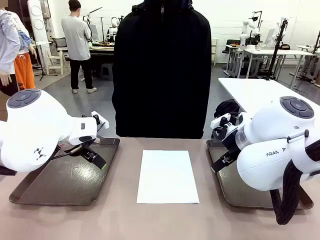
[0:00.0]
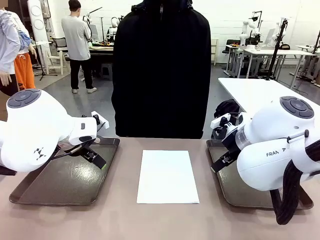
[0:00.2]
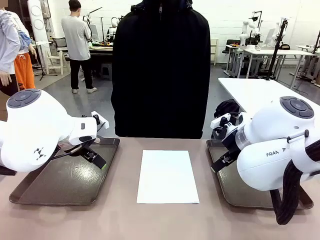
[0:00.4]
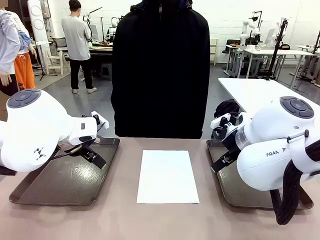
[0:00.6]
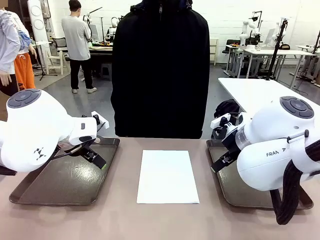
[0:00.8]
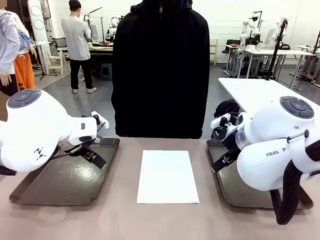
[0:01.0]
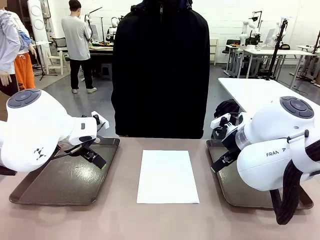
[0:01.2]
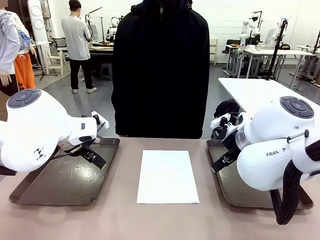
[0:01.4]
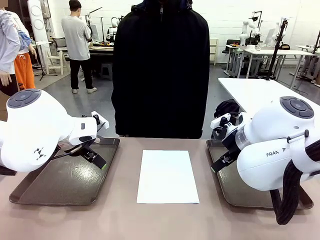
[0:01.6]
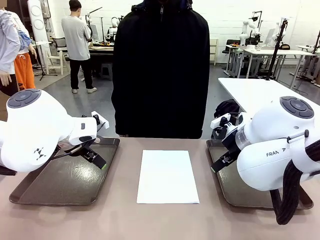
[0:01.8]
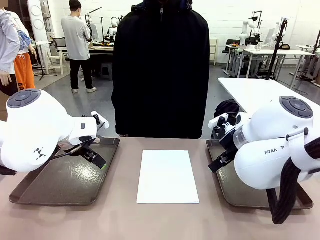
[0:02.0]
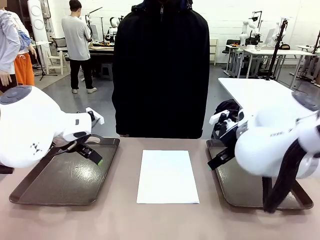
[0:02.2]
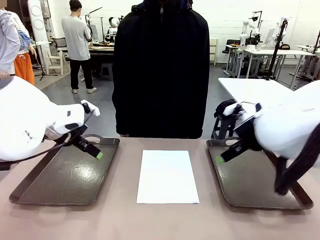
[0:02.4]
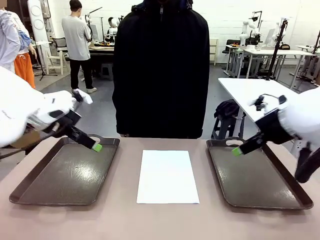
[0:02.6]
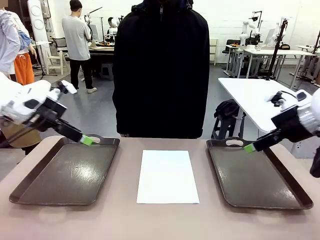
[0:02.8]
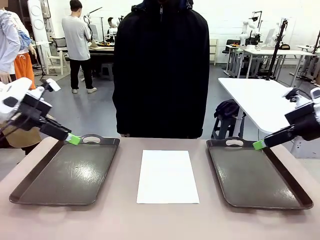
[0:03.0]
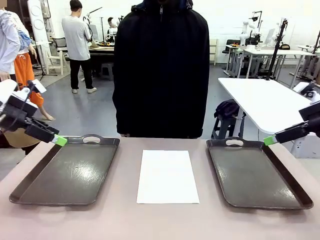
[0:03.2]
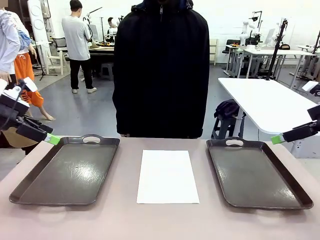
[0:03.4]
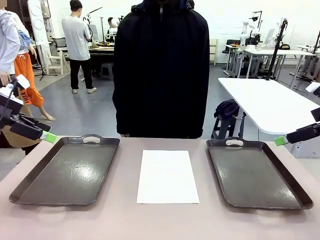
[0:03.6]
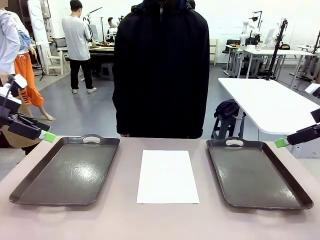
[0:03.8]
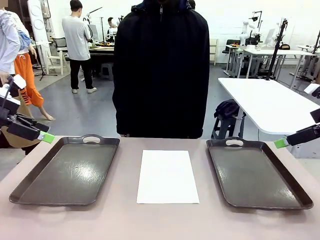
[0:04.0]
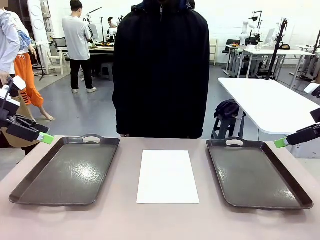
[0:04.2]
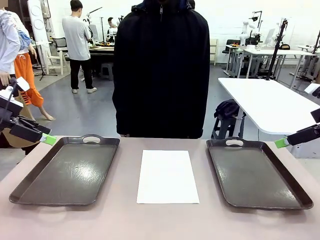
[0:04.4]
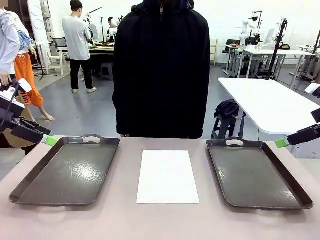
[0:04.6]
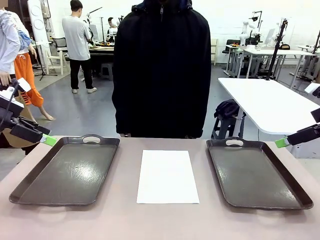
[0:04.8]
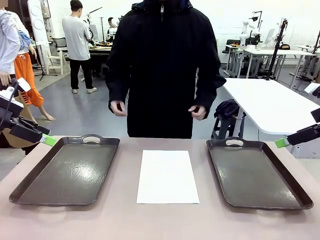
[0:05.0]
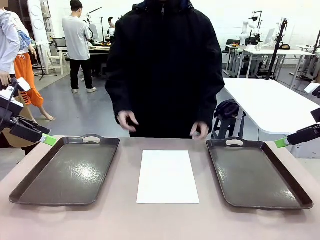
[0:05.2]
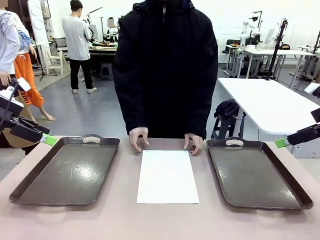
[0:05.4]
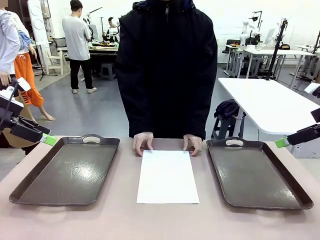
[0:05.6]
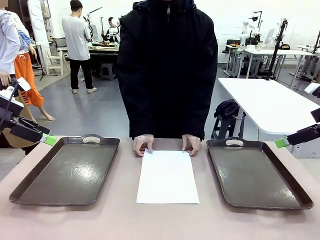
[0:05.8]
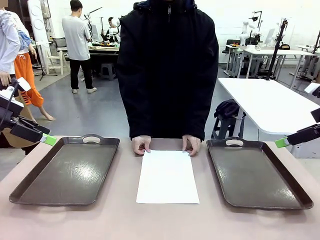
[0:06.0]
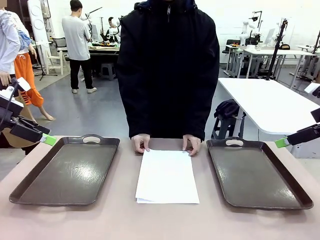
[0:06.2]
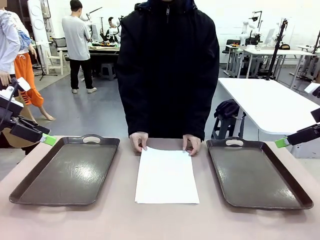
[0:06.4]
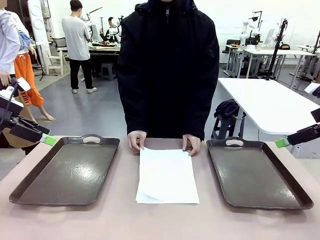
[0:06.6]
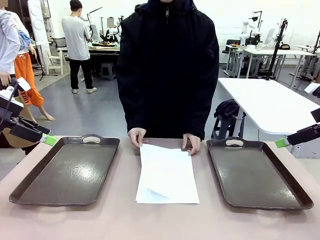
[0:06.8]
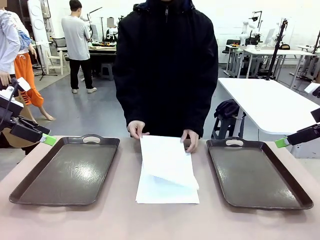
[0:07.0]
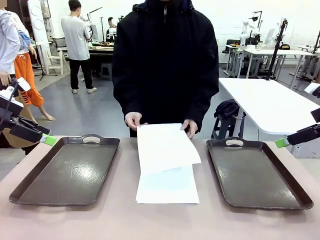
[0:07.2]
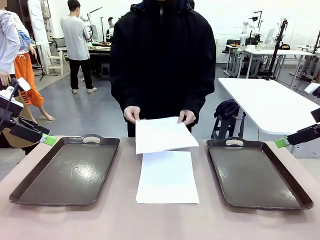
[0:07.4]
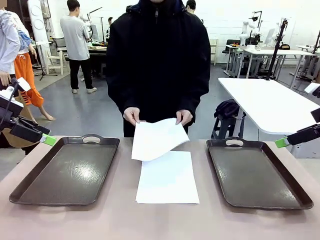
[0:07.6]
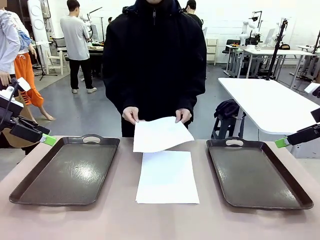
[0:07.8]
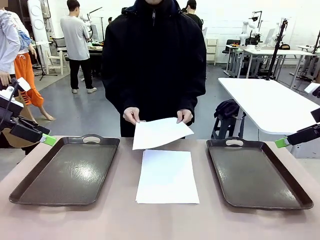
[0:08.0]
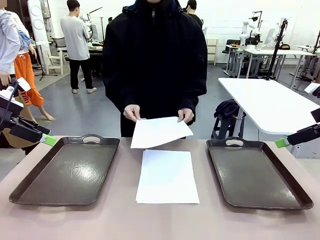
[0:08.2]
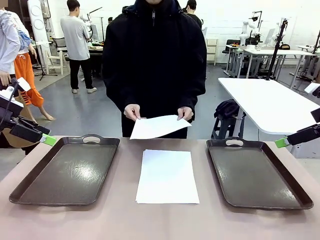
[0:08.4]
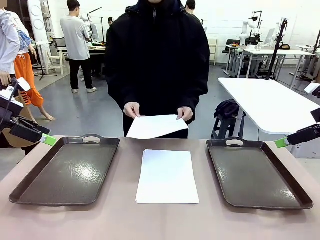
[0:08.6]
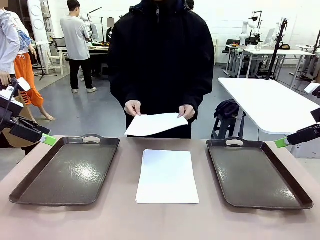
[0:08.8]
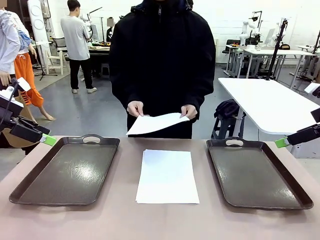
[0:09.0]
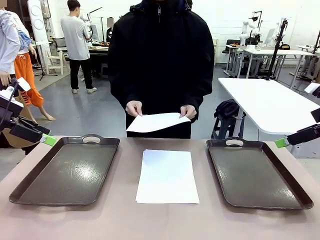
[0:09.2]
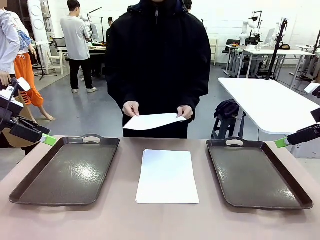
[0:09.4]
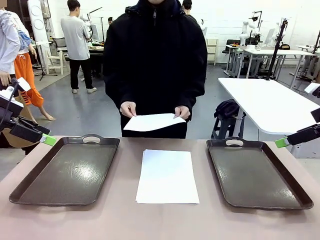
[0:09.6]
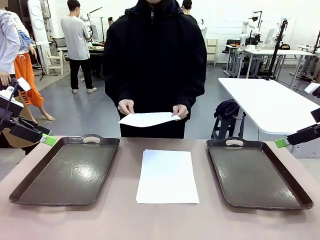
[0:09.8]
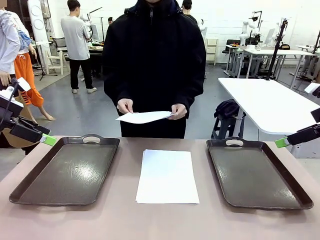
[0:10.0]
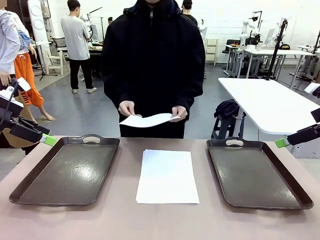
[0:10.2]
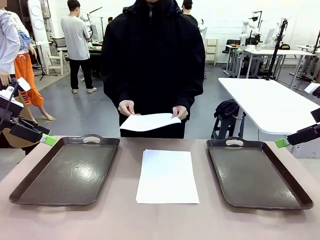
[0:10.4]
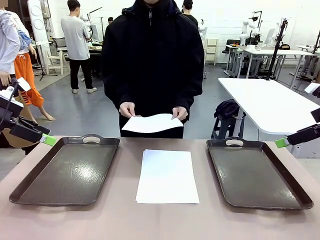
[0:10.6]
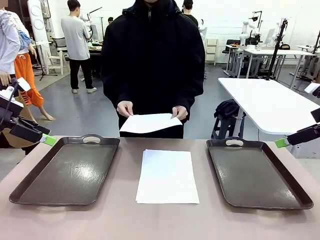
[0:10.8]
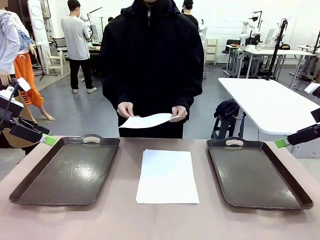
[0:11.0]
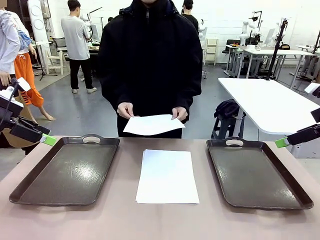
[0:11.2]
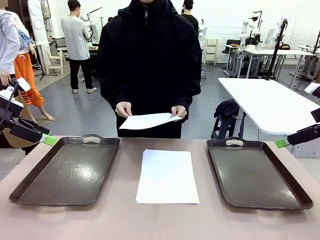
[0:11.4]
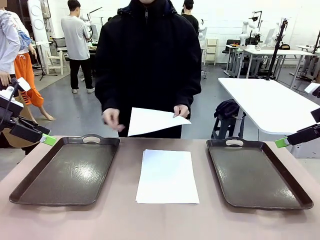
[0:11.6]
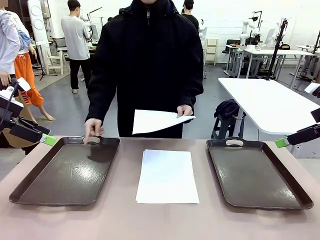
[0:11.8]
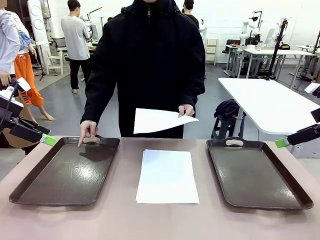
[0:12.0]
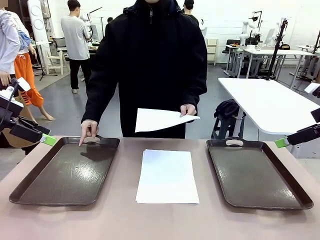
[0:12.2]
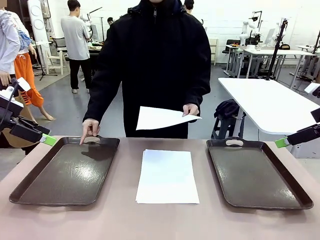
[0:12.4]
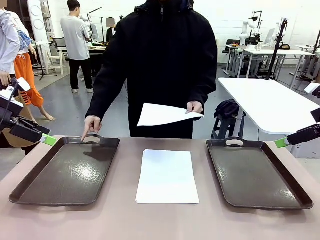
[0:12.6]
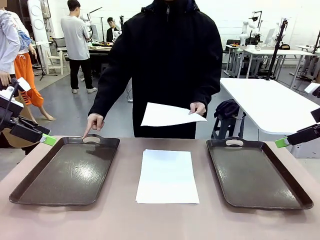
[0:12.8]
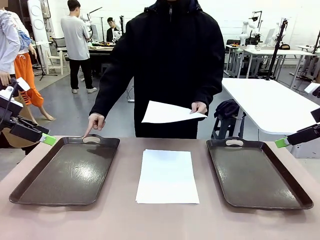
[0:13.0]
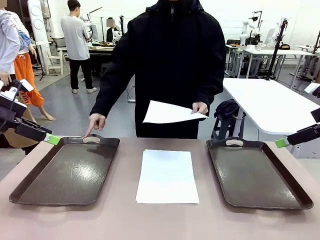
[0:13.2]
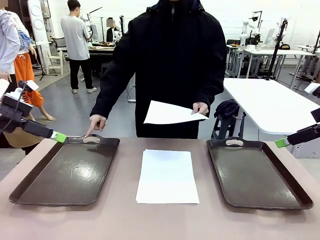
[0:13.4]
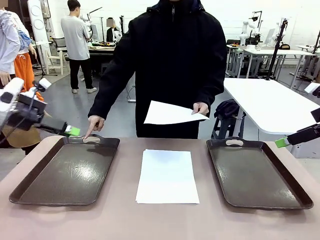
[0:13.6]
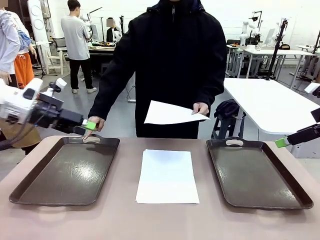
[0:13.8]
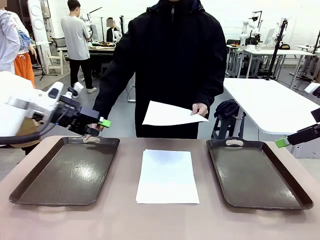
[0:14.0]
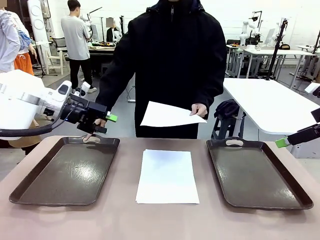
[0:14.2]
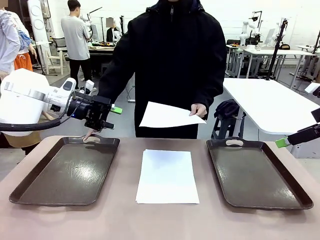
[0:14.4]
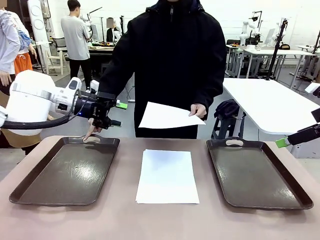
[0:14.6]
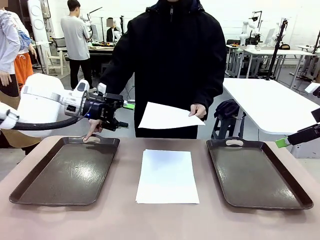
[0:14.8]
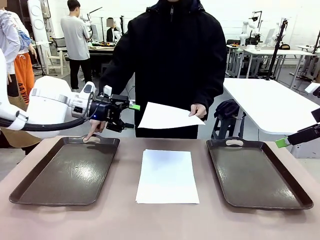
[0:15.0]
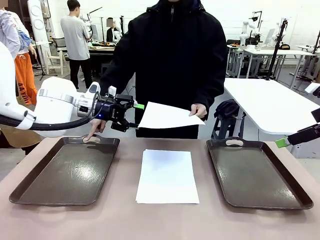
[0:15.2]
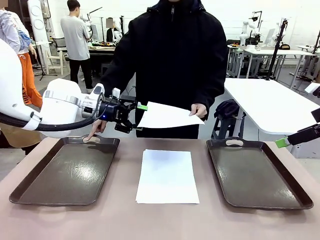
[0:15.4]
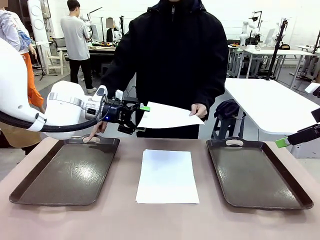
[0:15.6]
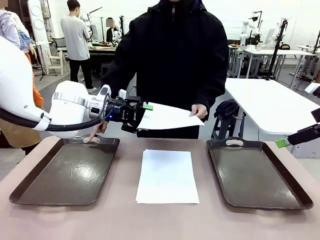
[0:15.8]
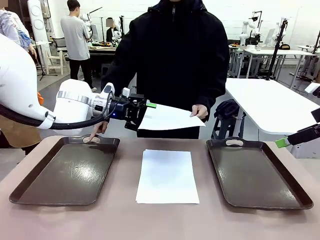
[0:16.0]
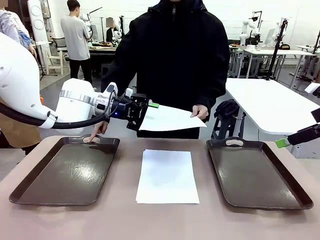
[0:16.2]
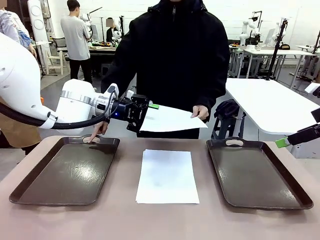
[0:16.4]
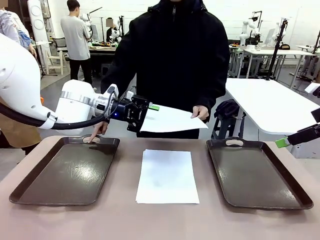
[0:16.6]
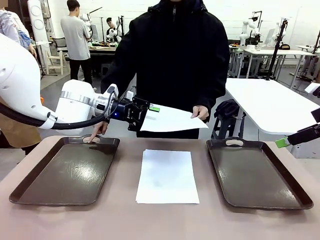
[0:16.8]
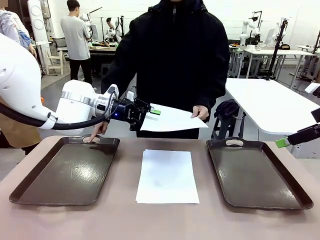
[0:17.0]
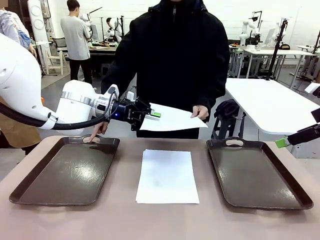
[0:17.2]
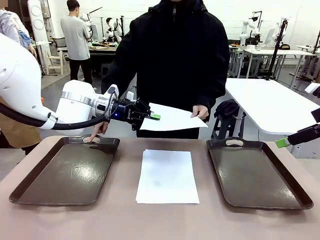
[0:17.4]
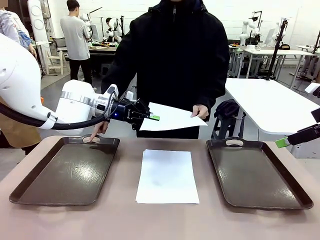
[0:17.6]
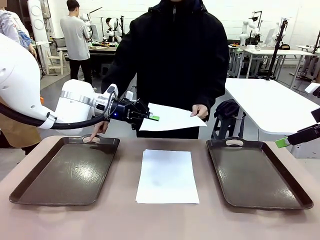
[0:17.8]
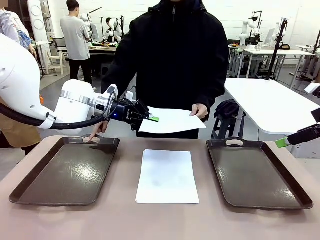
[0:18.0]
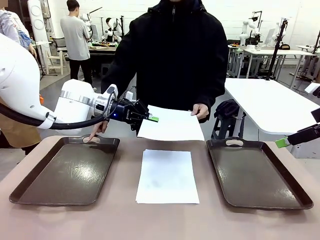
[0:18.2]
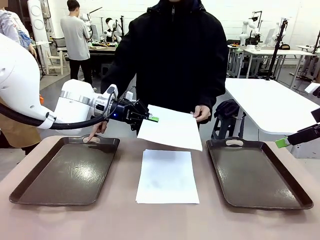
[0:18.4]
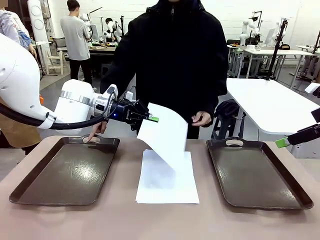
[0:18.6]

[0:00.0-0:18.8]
Task: Sort the A4 documents.
Robot: Receive the A4 Paper.
Person: Pick up a sheet of paper from the center of the table and hand it to the robot. Point the randomly selected tray with the other hand.
